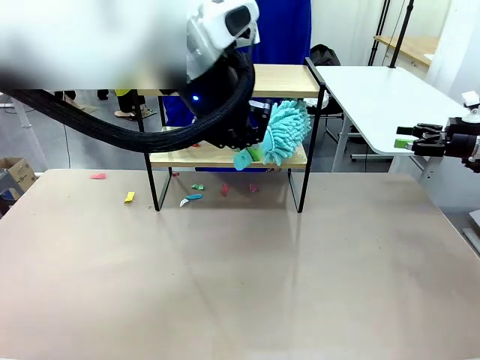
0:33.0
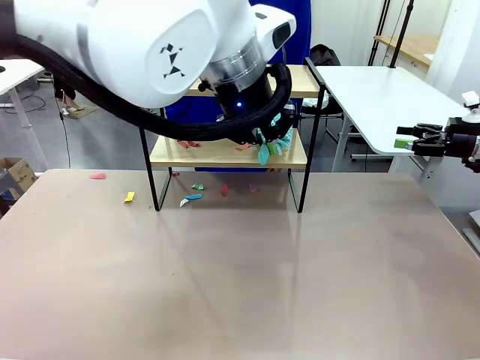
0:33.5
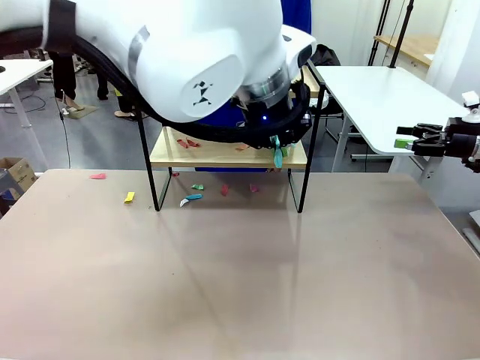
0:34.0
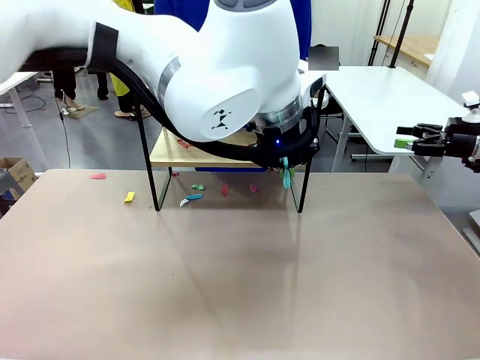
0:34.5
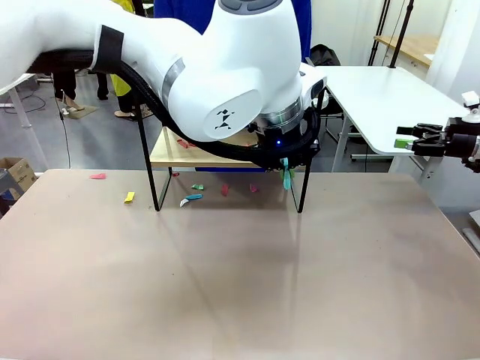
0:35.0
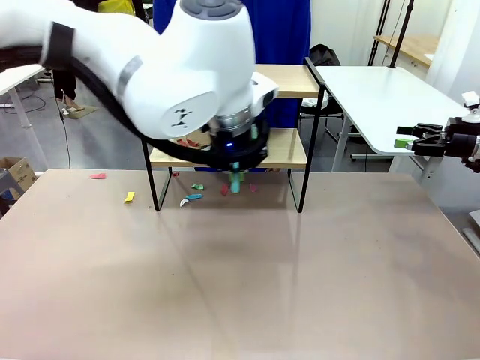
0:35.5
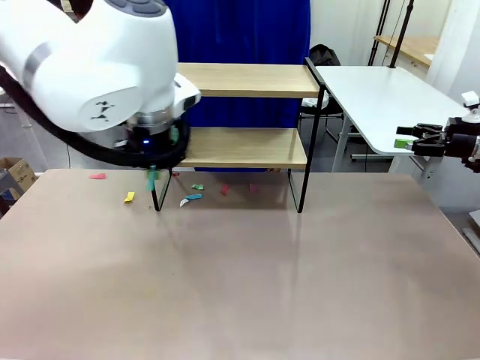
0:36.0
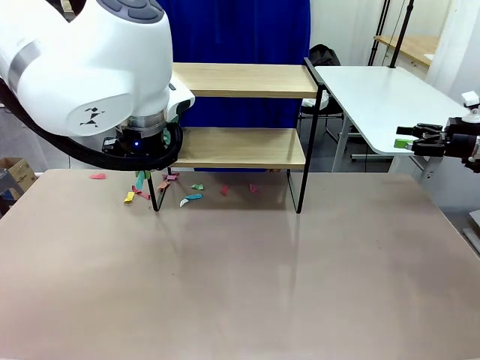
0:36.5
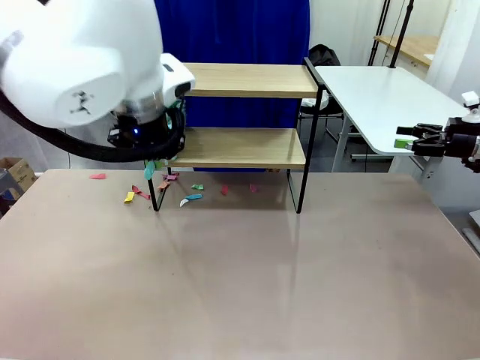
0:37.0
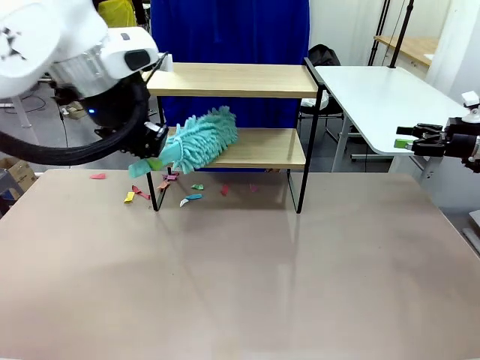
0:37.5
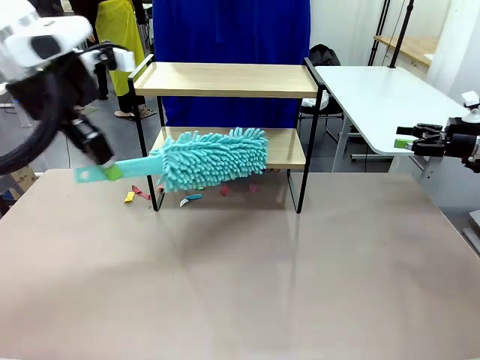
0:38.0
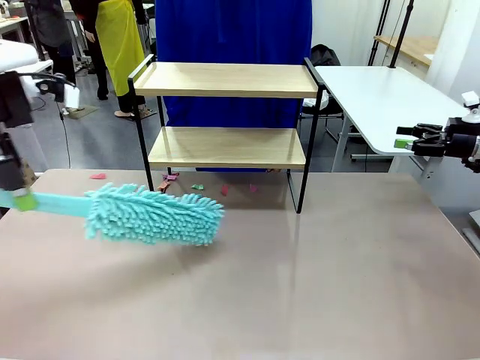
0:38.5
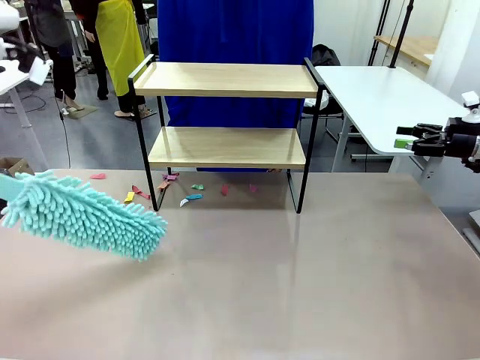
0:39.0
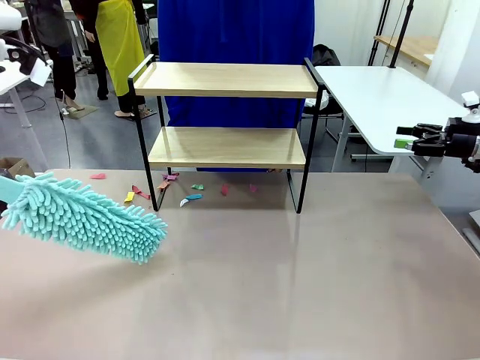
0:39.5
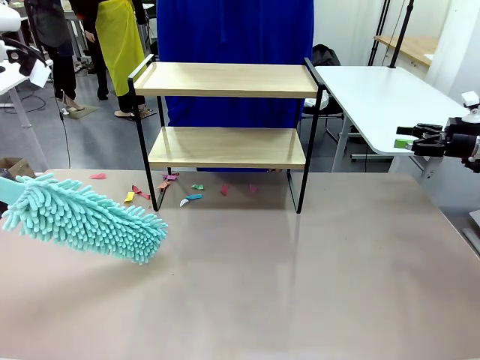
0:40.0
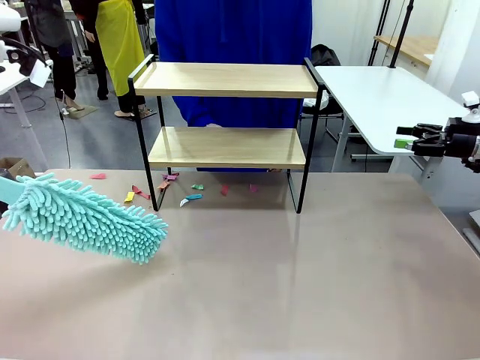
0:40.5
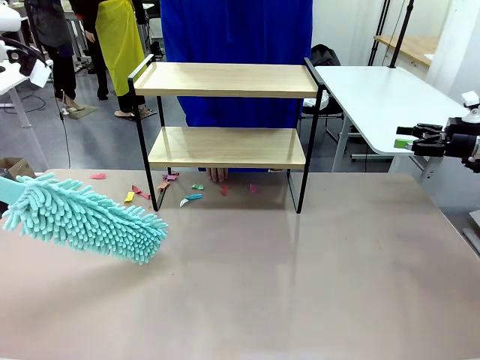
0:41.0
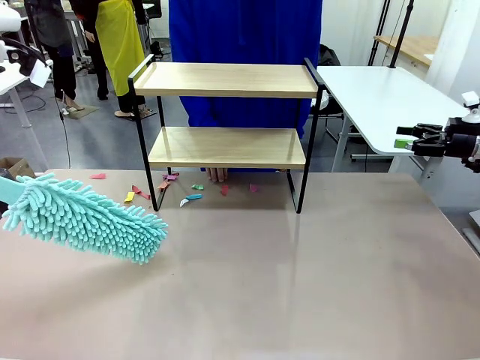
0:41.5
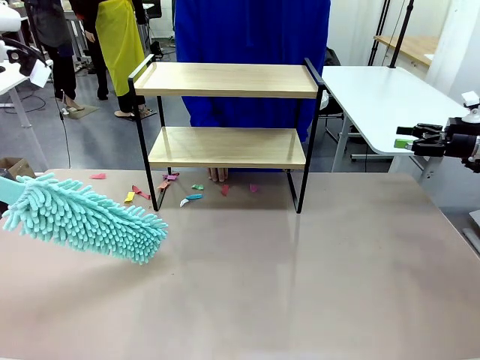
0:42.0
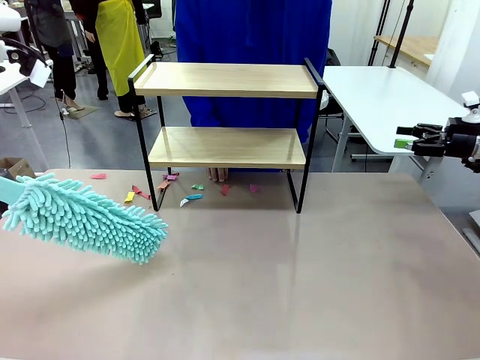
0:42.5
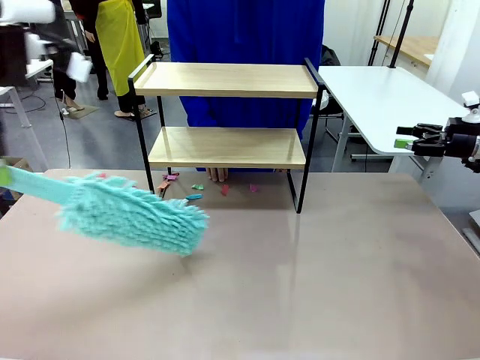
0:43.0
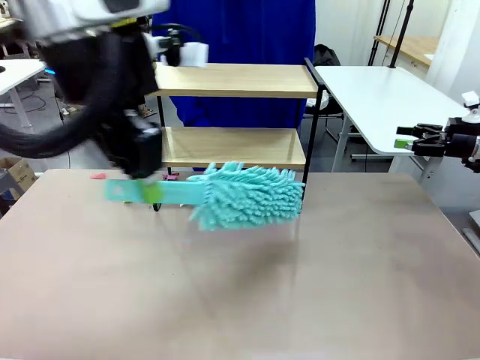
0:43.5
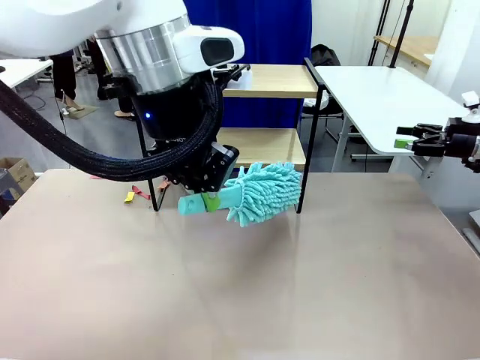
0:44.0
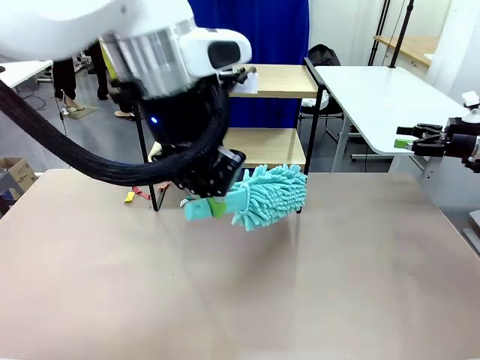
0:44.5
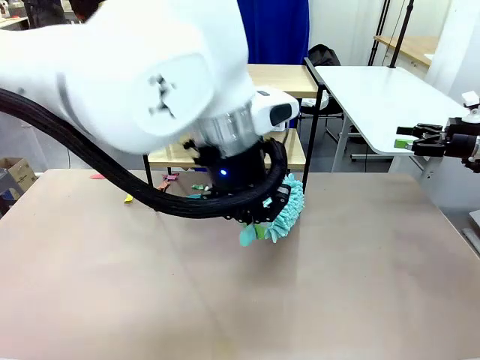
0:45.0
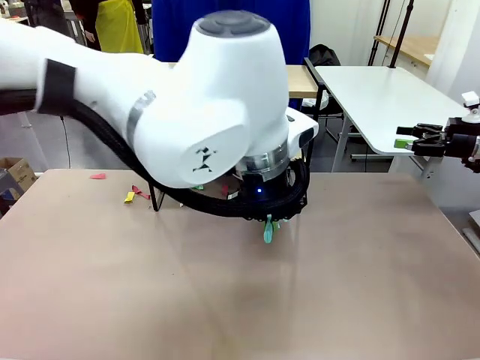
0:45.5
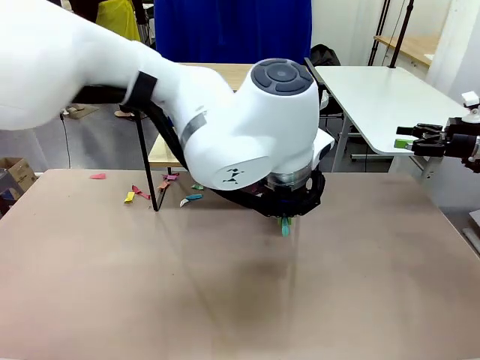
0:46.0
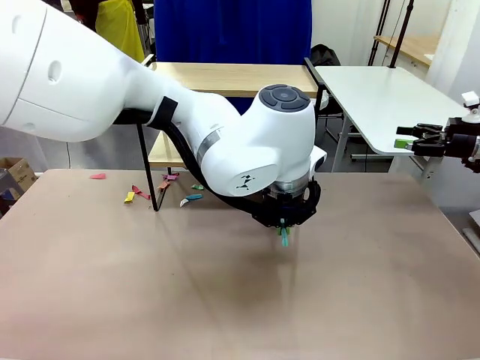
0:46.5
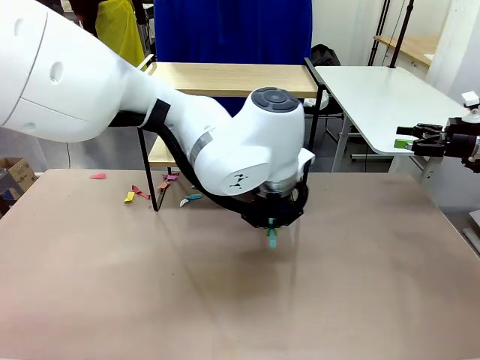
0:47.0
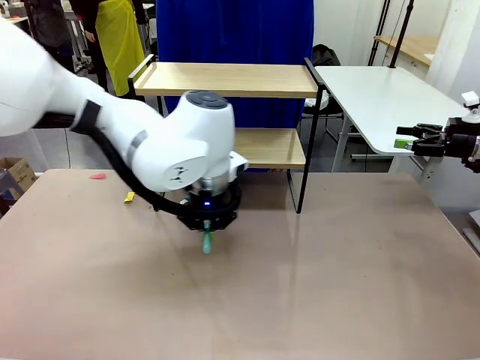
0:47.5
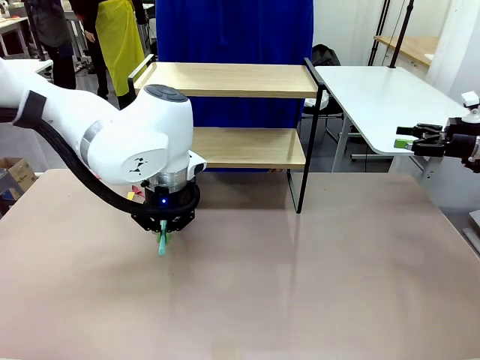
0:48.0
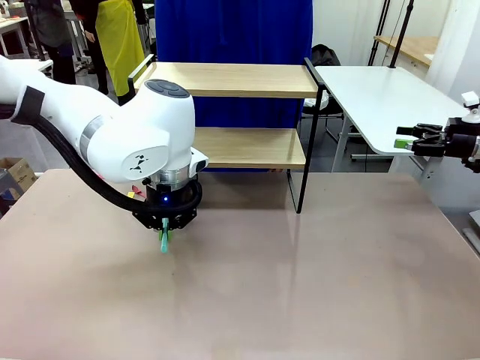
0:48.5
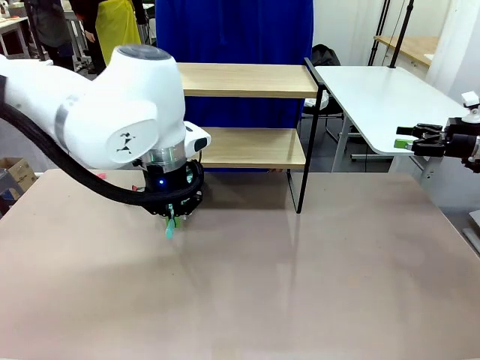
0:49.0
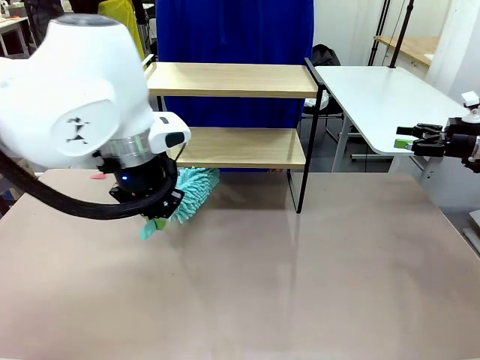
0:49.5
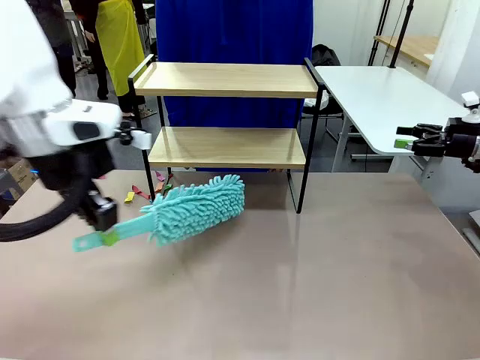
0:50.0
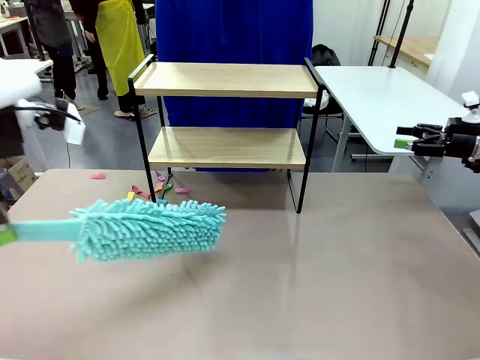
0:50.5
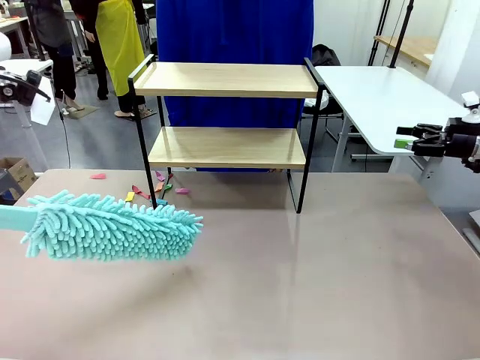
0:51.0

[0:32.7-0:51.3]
Task: Clean the shelf.
Robot: Clean the specific section of the Shelf indicated by the human with the Duster.
Person: Point a remaining section of the Shelf.

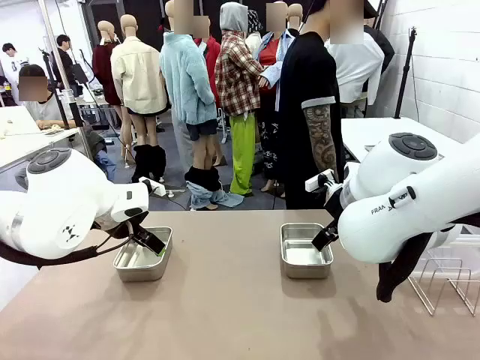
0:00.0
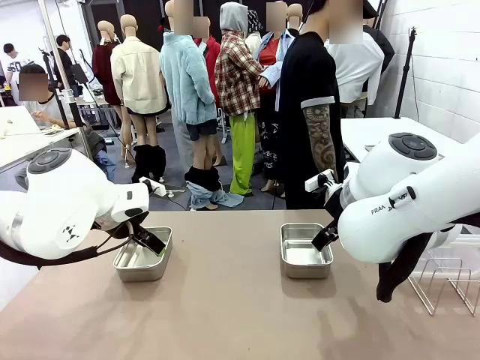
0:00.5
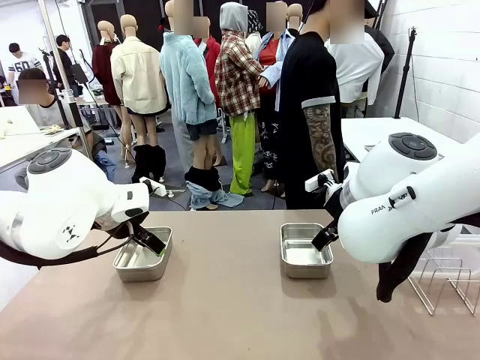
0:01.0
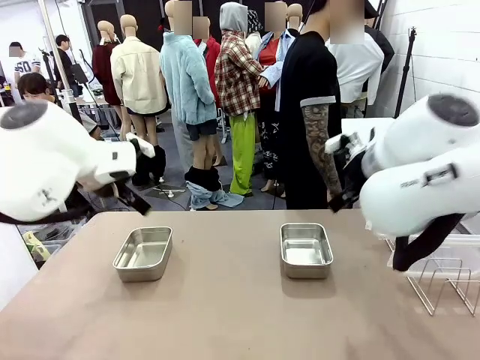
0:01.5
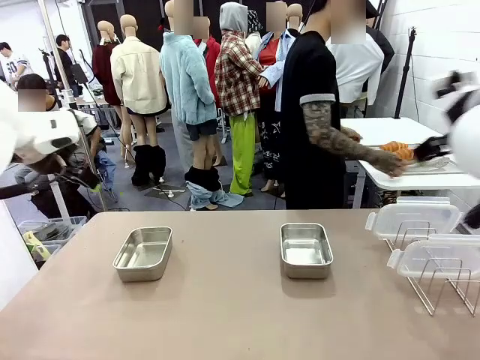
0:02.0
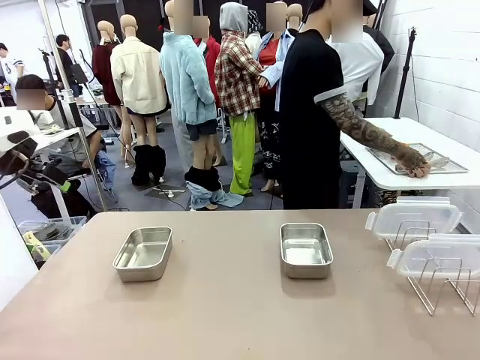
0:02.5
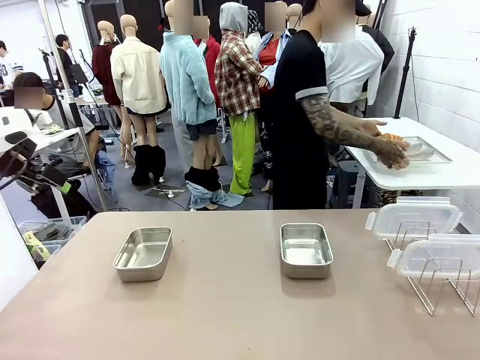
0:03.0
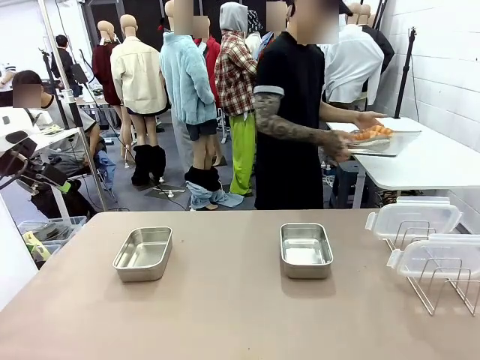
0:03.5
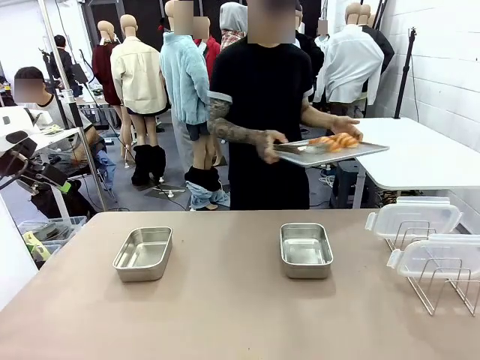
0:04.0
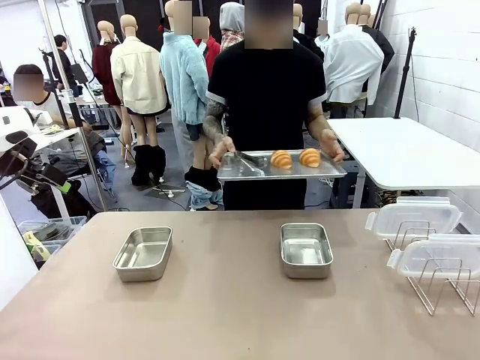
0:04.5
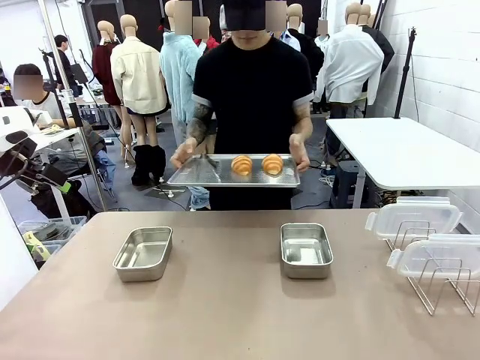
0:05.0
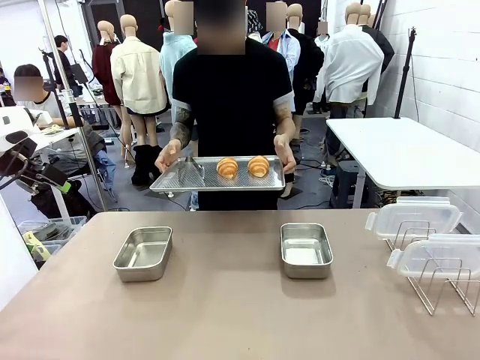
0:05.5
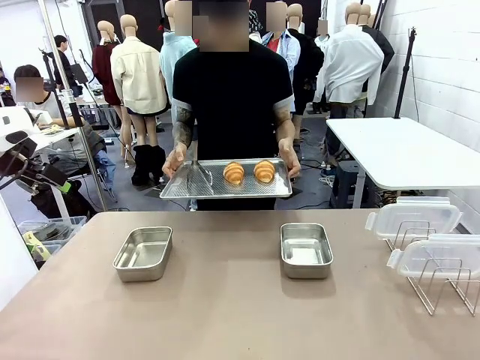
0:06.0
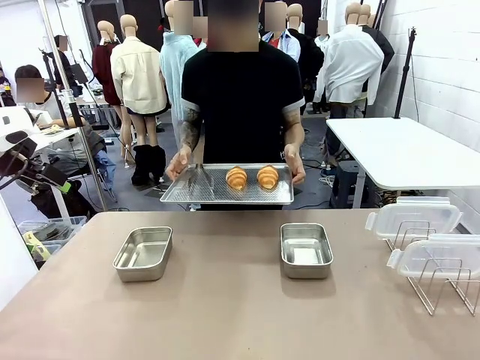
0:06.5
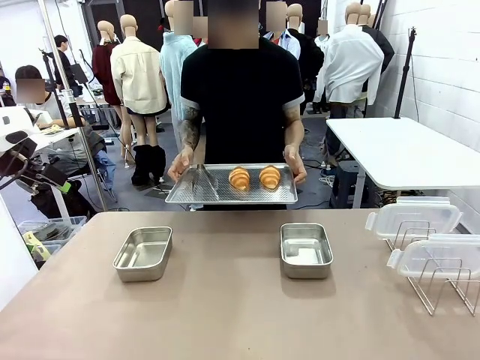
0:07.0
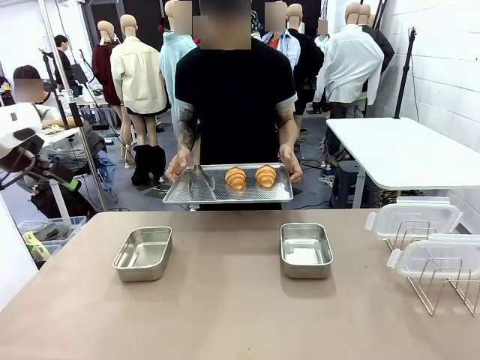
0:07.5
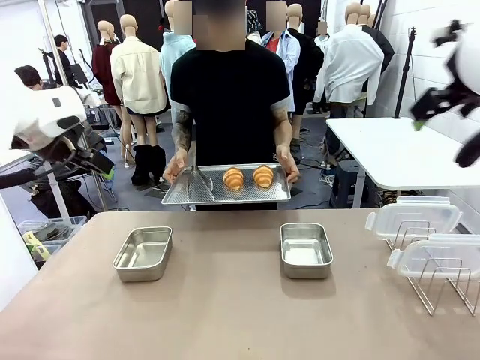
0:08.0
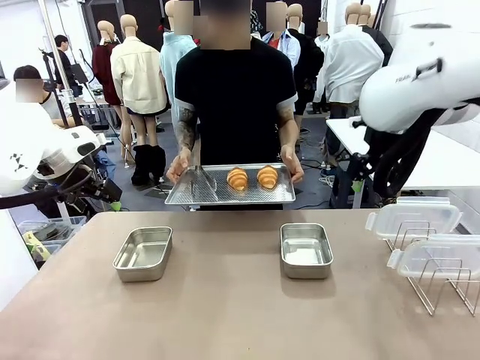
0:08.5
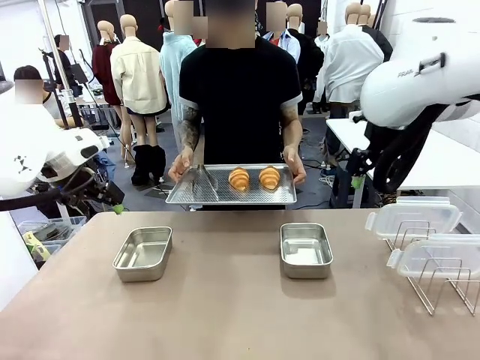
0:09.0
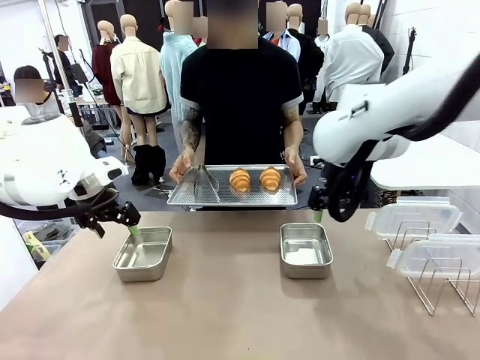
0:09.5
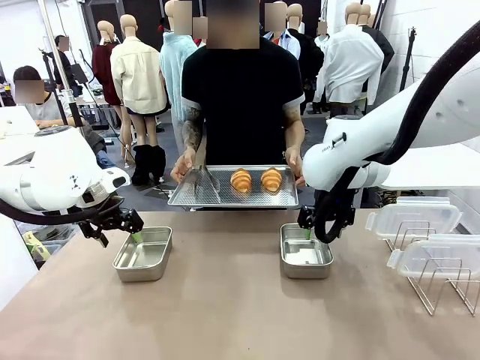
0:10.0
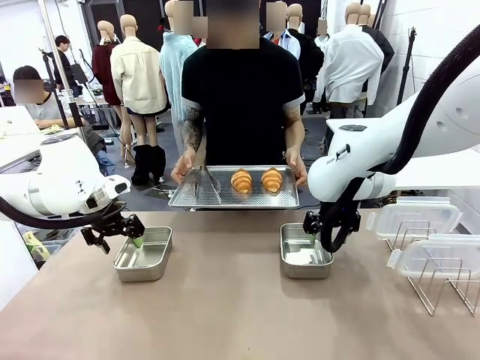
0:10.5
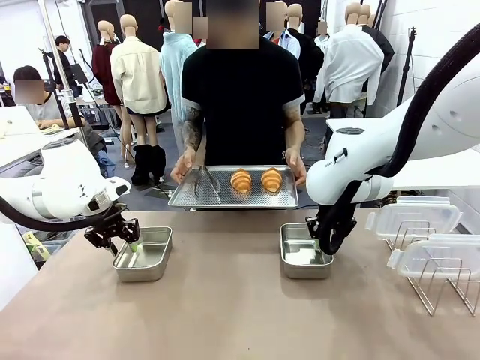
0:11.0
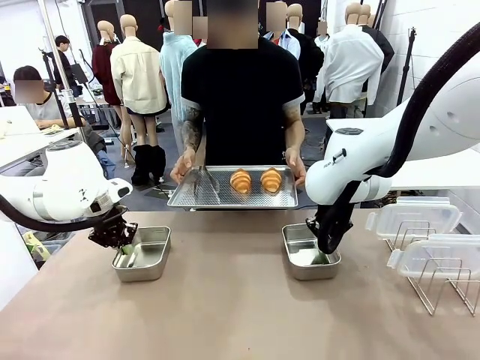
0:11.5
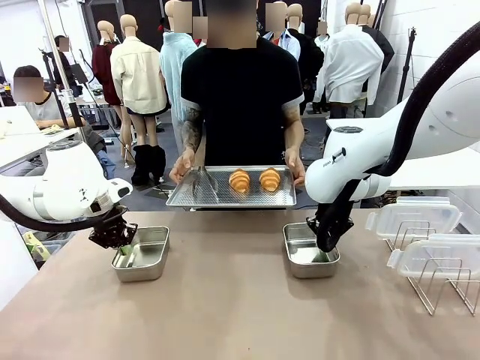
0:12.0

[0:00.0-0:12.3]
Task: Place the bread in airtight containers.
Robot: Lift both Airtight Container.
Person: Bring the Baking Sheet in front of Robot's Table.
